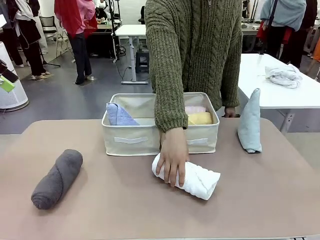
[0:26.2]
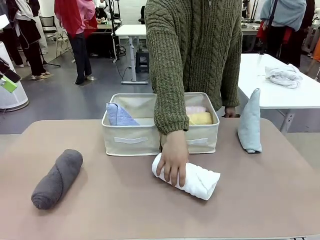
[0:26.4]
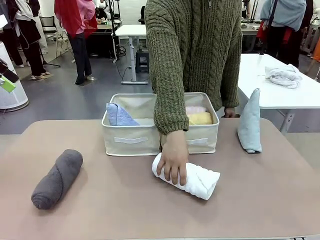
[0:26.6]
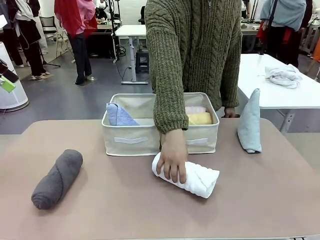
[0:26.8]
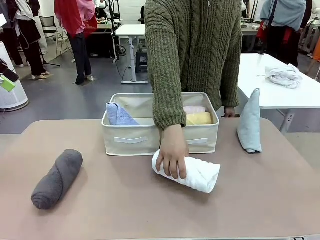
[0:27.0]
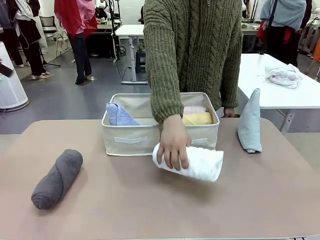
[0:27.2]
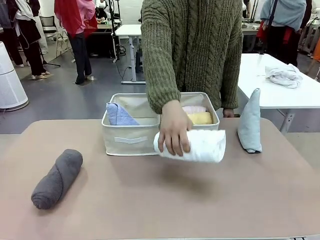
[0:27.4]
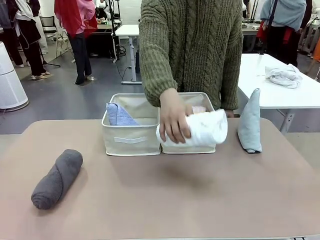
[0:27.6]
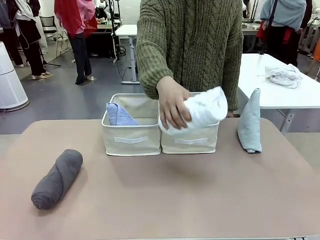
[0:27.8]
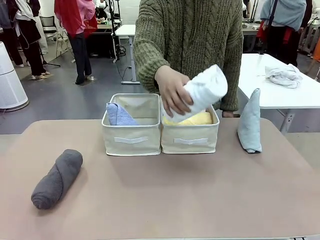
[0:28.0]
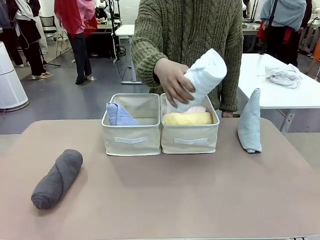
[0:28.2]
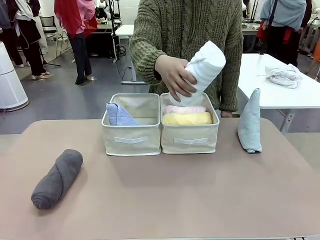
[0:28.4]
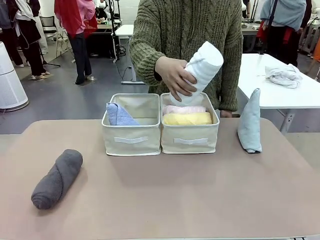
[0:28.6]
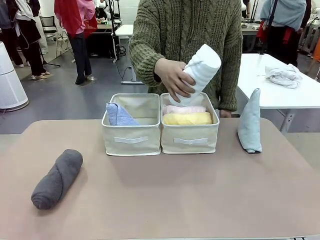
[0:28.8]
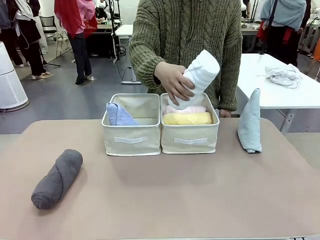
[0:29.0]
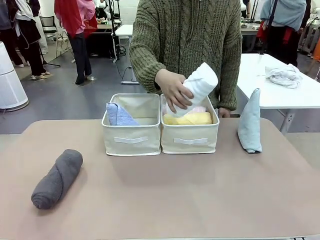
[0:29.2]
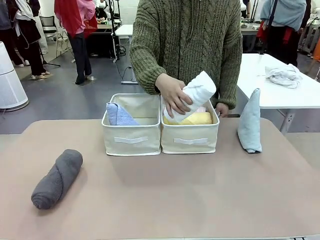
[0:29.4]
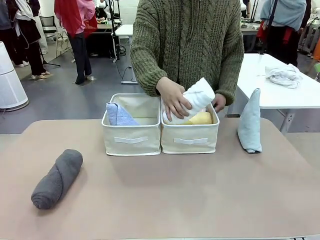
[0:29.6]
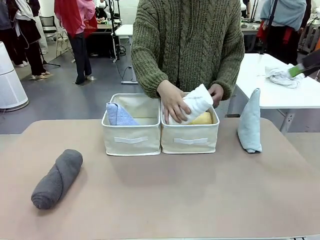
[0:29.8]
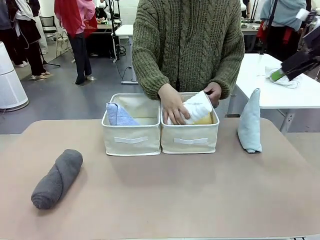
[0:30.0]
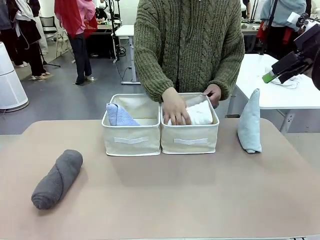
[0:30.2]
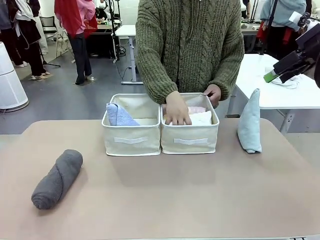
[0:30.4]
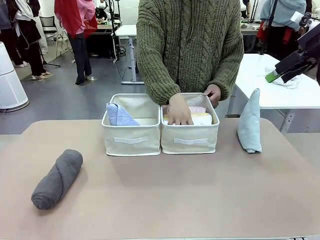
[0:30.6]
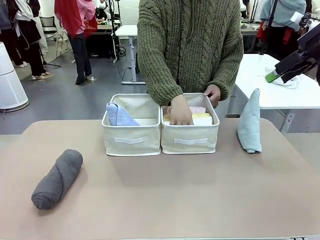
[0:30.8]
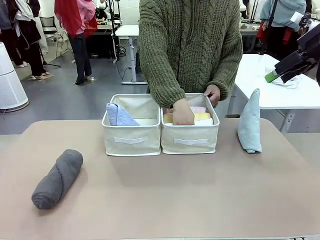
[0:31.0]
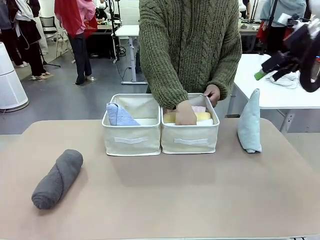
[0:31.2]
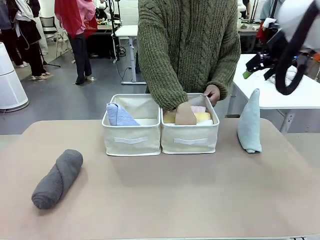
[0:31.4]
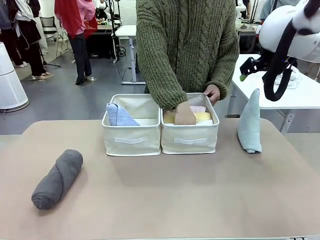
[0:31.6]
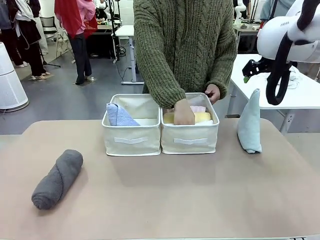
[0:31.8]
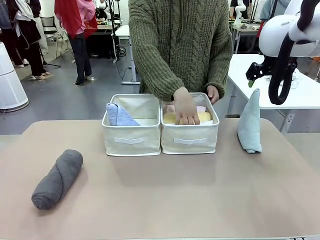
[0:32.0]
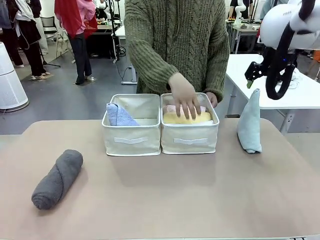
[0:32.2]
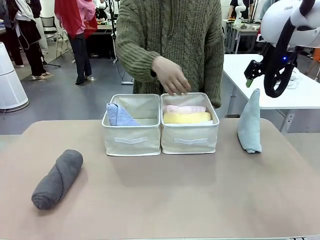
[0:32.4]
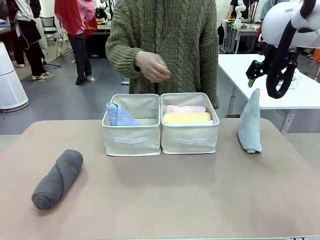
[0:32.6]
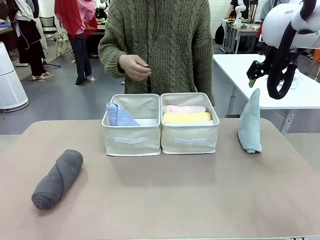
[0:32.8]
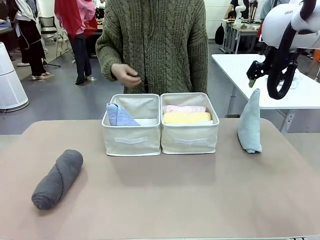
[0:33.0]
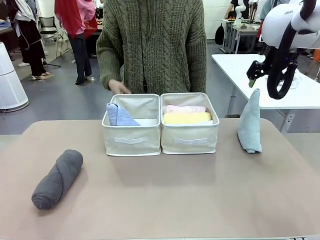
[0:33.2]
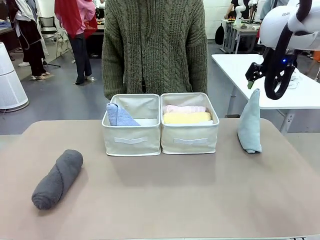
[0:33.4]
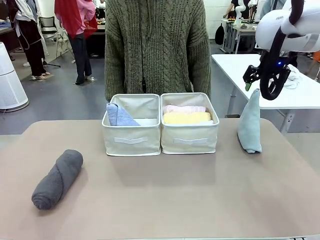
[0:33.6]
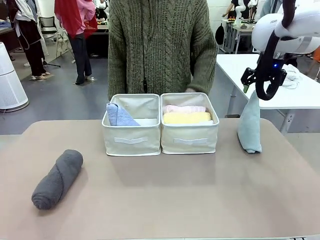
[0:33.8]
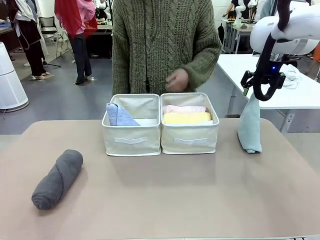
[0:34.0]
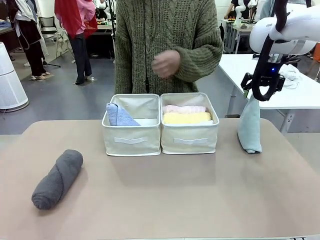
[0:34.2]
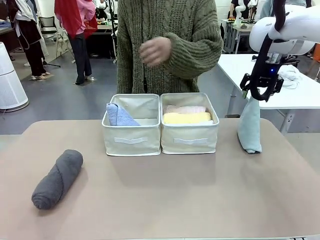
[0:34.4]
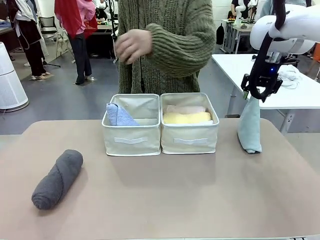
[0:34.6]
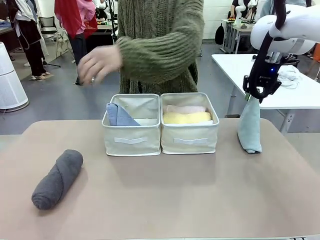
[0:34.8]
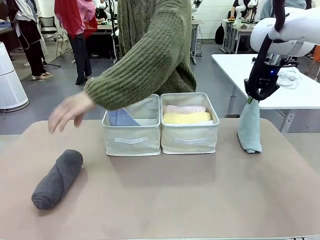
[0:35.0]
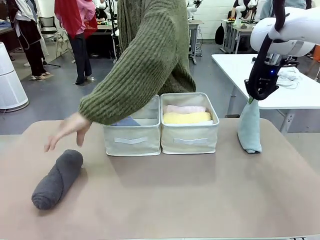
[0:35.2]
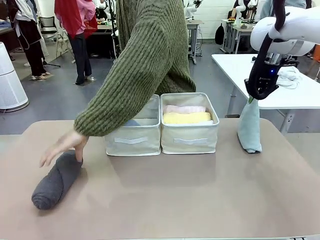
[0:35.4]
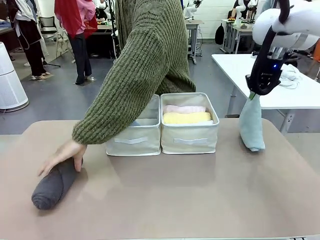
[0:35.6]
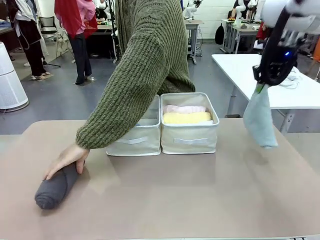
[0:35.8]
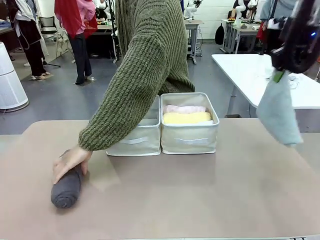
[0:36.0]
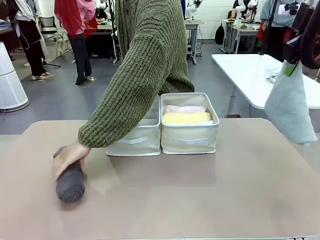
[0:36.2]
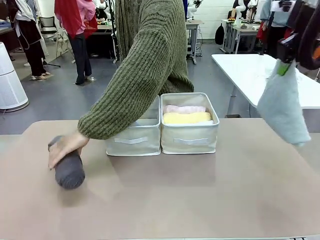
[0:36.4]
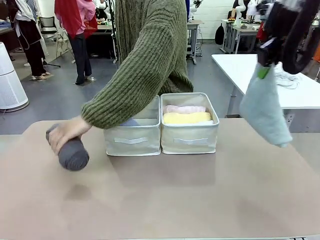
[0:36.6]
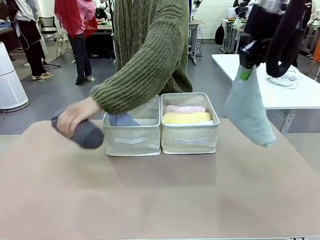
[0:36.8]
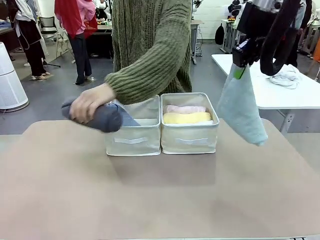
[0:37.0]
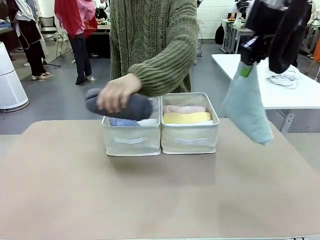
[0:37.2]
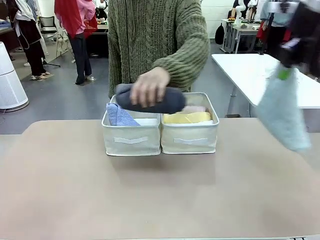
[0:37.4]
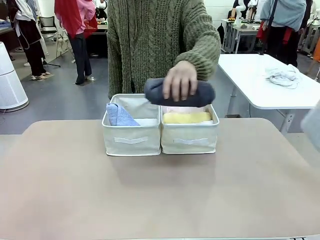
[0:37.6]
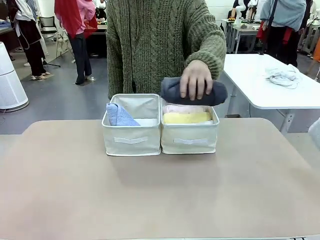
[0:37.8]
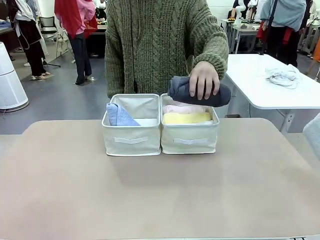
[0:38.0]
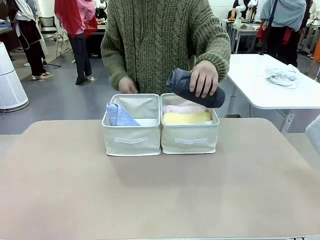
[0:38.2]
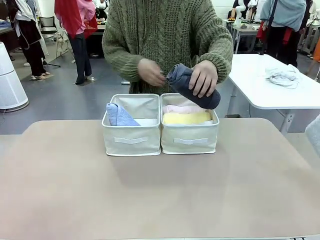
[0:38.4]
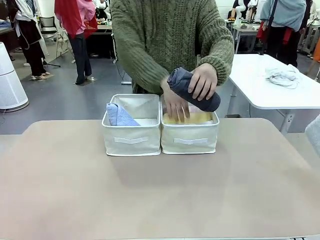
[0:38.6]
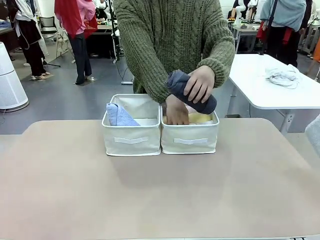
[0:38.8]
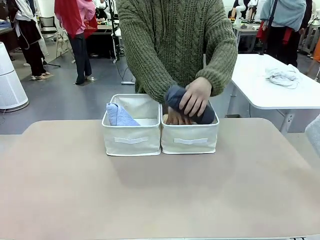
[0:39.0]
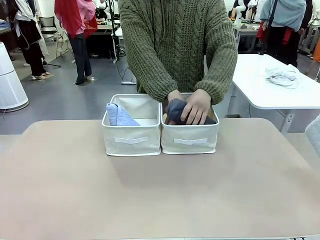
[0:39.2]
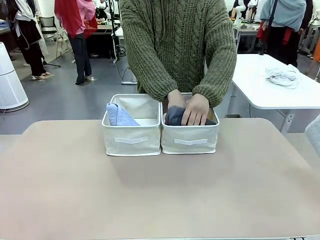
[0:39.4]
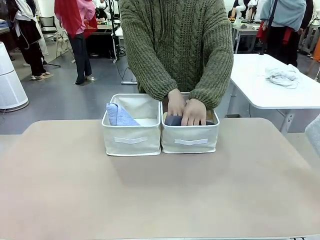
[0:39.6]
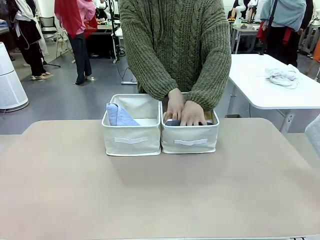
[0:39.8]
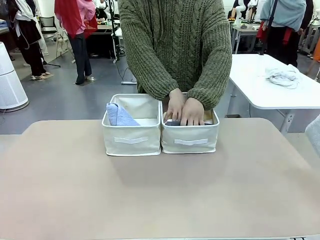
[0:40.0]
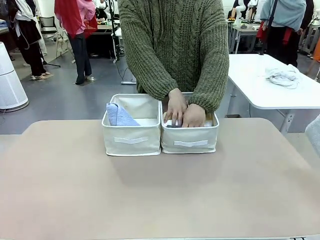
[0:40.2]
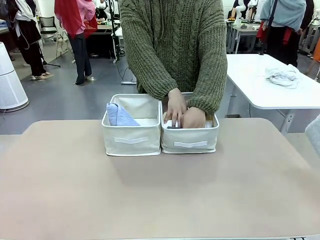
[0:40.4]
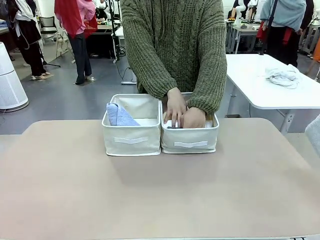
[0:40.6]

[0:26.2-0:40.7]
Task: Sort the towels based on their folding style.
Robot: Pick up another triangle-folded towel from the table and place it in the left Fabric basket.
